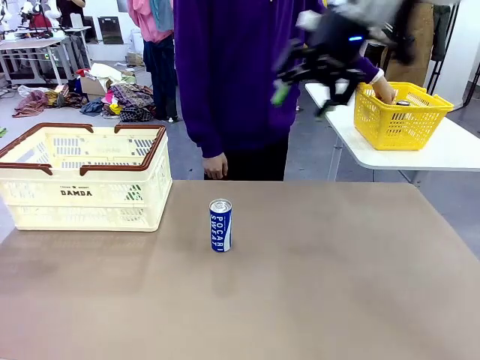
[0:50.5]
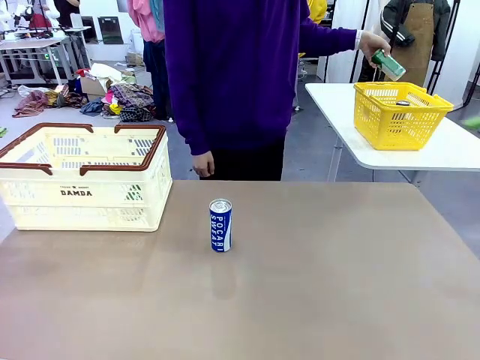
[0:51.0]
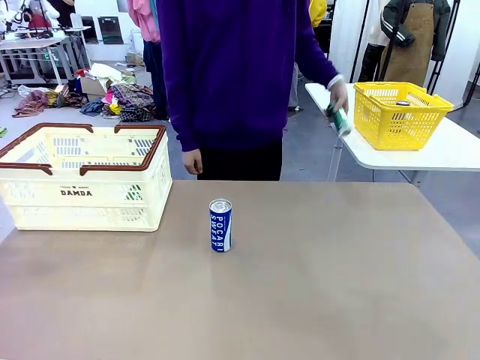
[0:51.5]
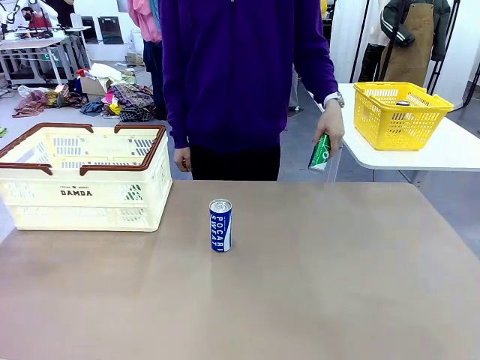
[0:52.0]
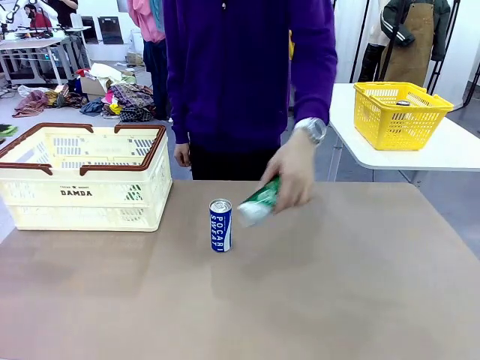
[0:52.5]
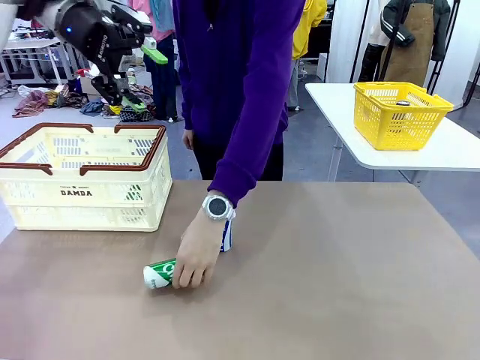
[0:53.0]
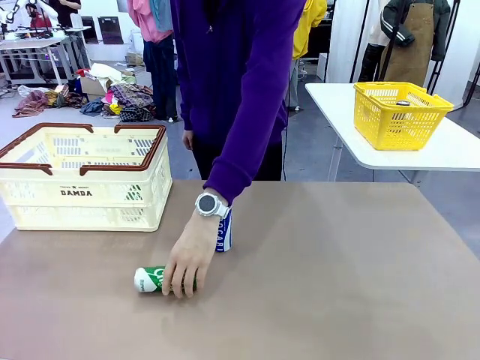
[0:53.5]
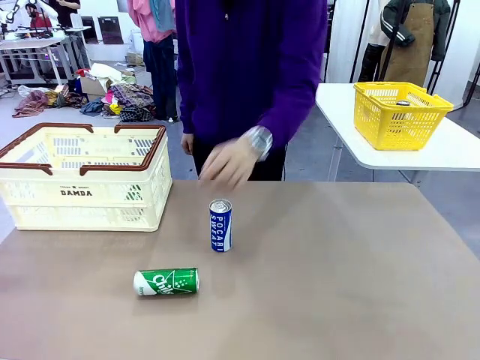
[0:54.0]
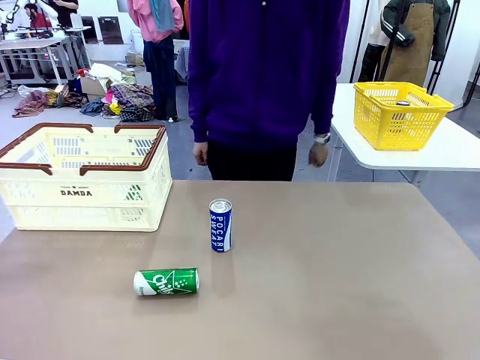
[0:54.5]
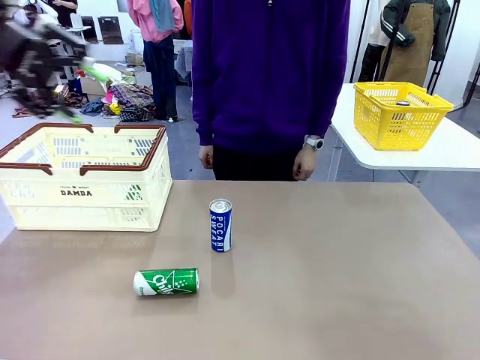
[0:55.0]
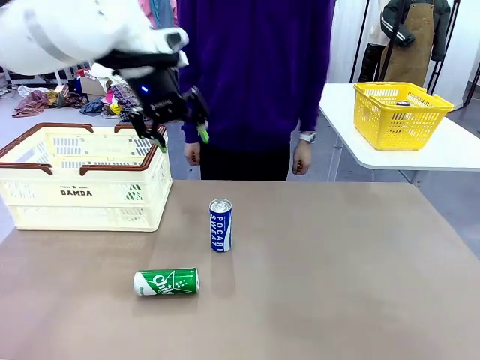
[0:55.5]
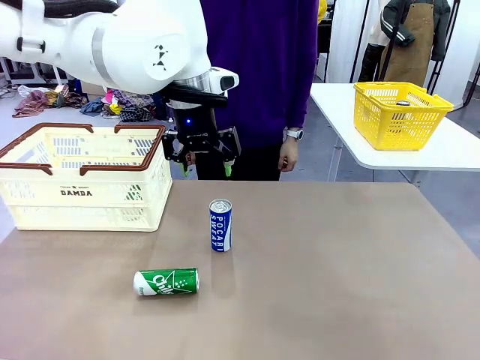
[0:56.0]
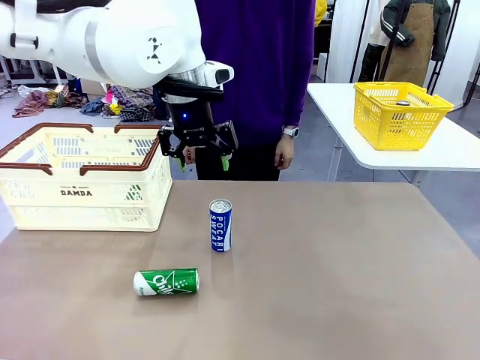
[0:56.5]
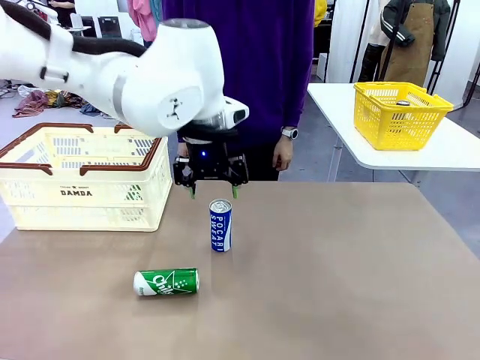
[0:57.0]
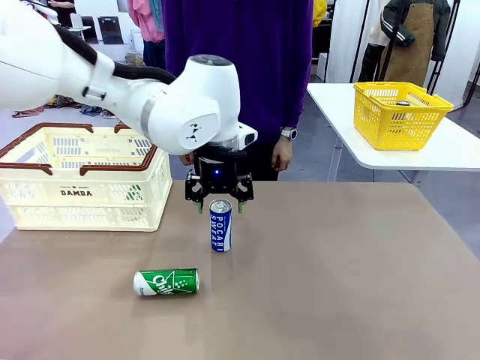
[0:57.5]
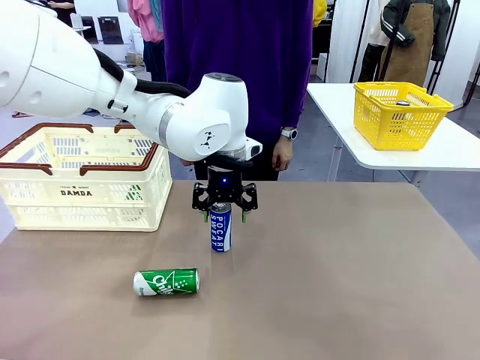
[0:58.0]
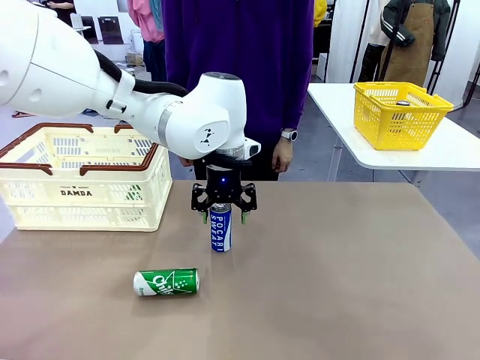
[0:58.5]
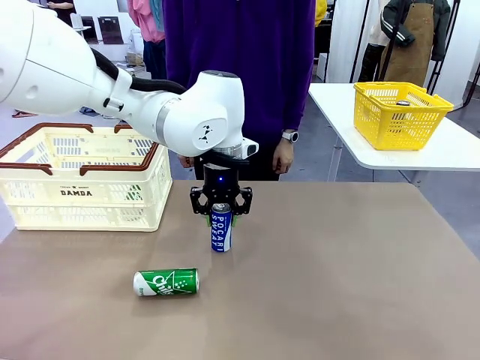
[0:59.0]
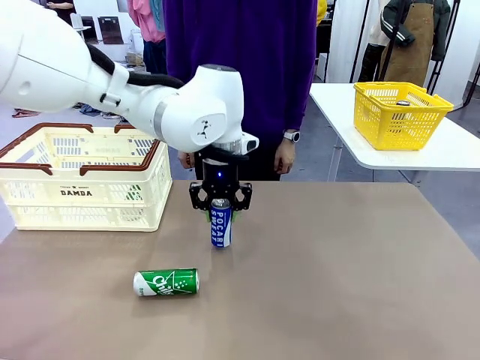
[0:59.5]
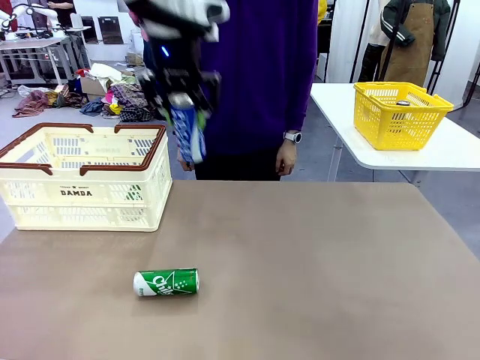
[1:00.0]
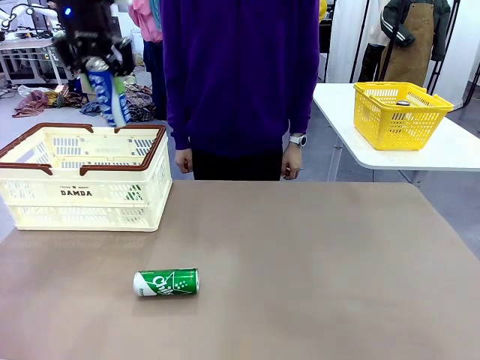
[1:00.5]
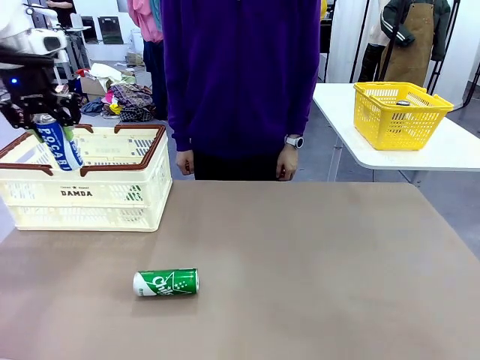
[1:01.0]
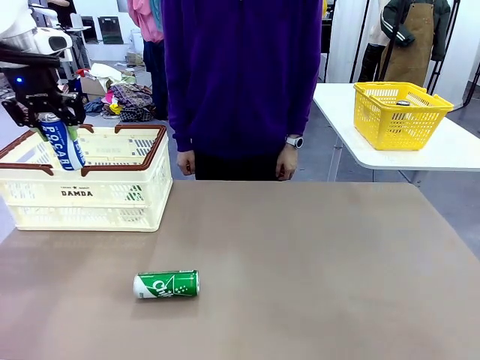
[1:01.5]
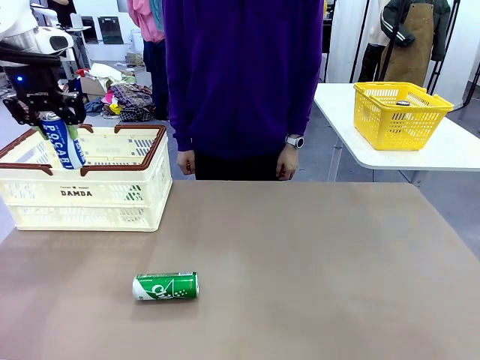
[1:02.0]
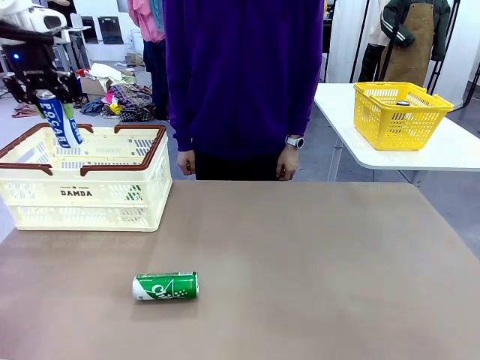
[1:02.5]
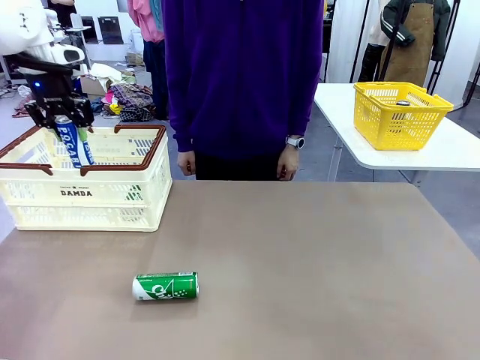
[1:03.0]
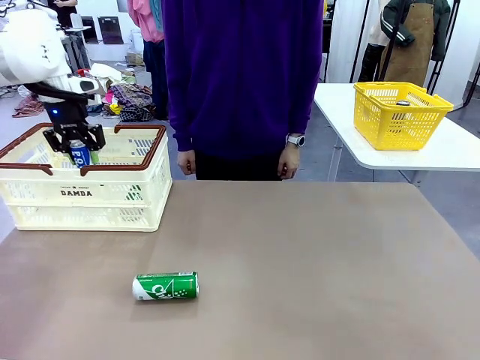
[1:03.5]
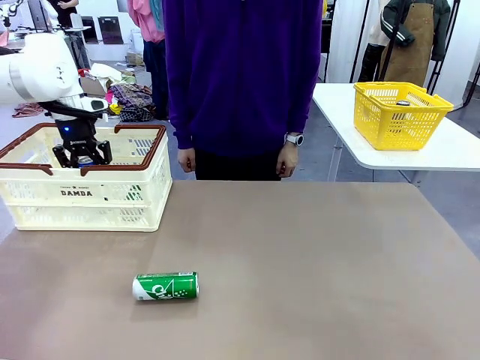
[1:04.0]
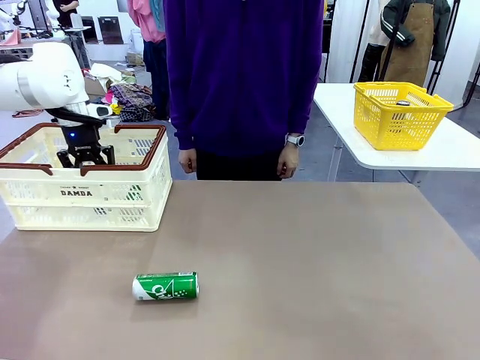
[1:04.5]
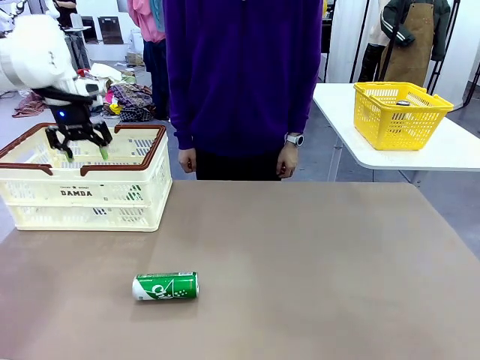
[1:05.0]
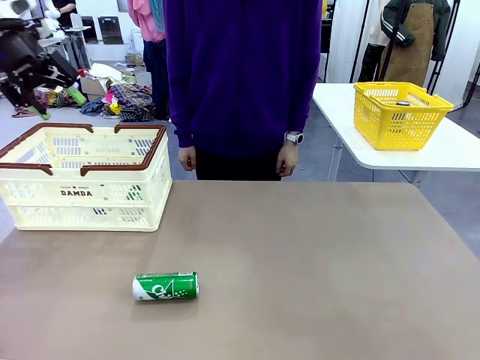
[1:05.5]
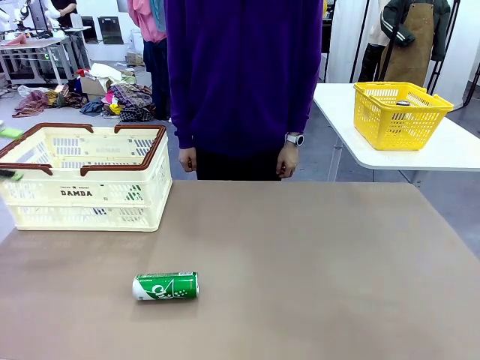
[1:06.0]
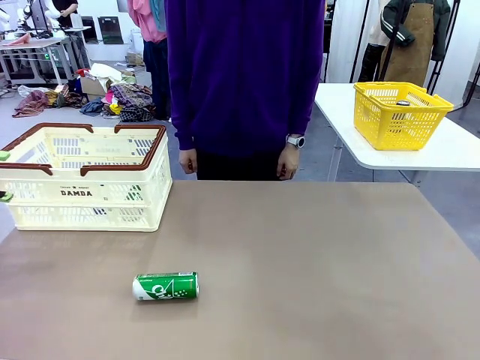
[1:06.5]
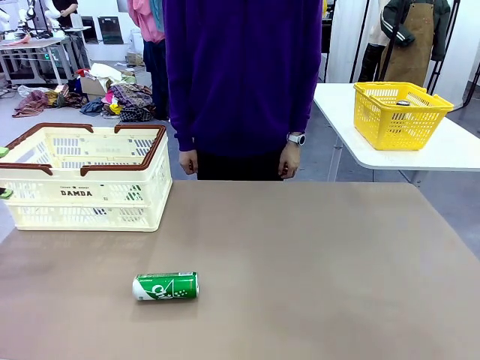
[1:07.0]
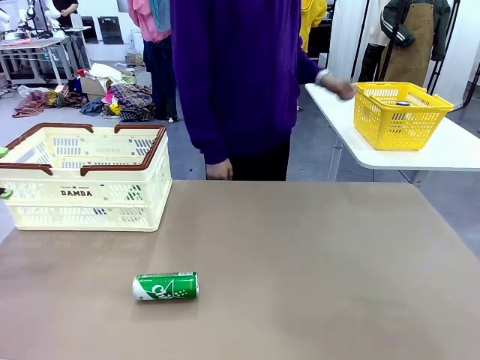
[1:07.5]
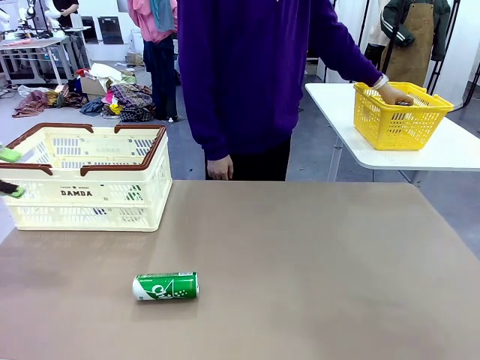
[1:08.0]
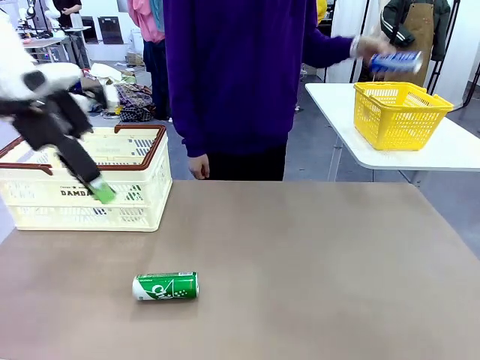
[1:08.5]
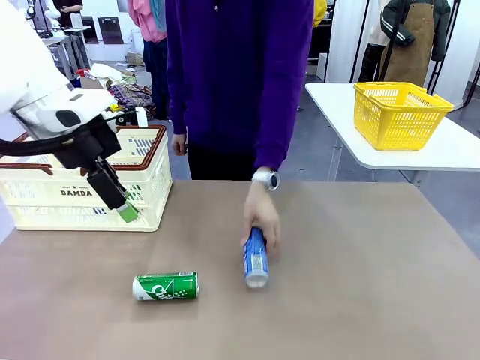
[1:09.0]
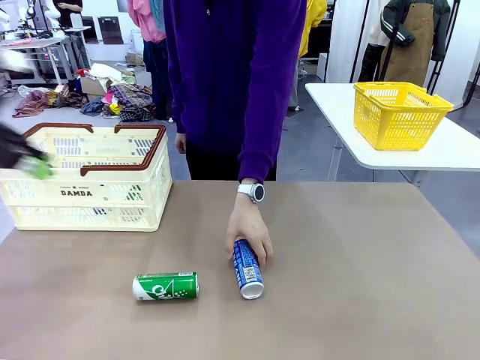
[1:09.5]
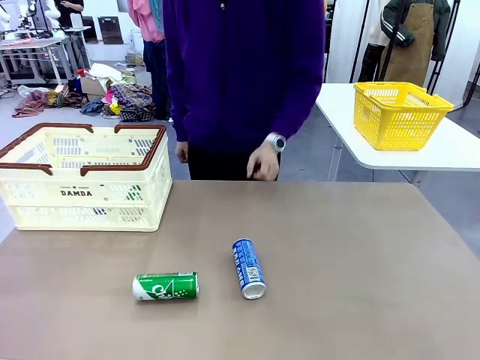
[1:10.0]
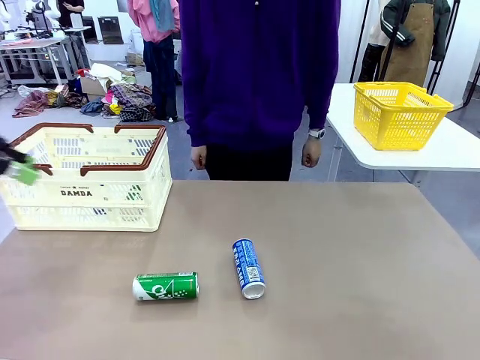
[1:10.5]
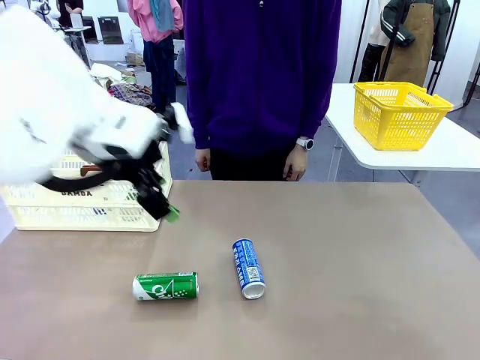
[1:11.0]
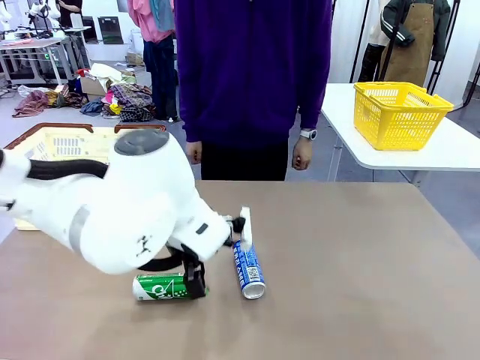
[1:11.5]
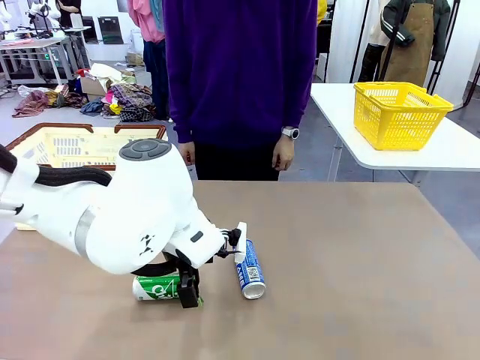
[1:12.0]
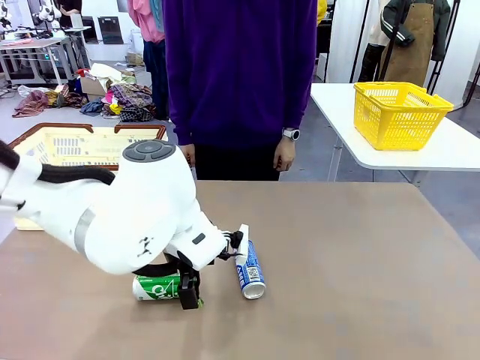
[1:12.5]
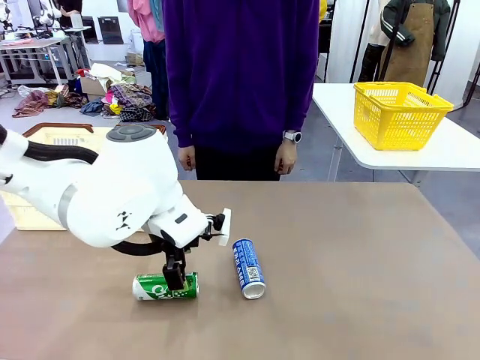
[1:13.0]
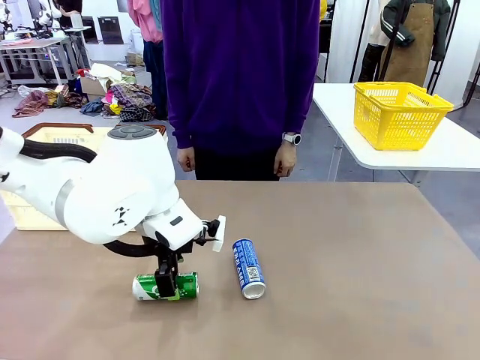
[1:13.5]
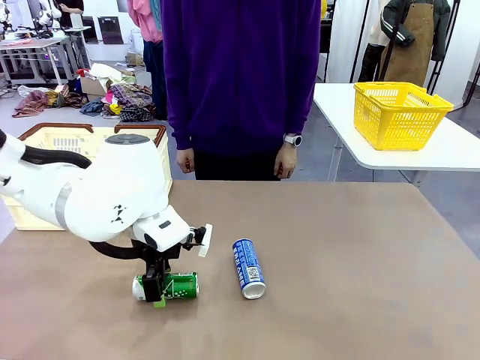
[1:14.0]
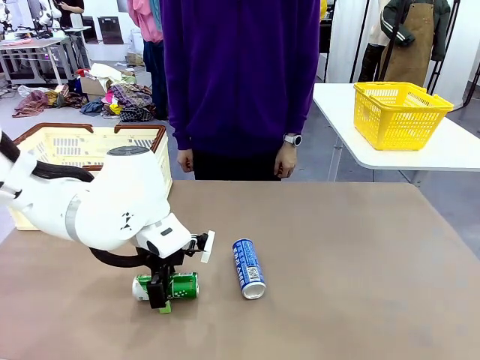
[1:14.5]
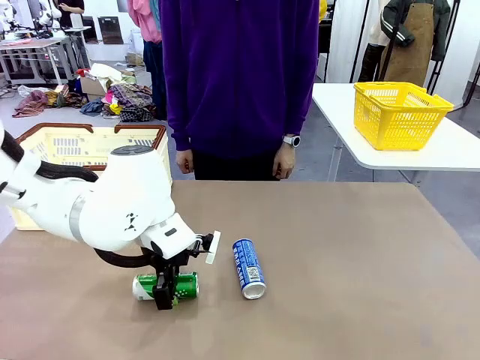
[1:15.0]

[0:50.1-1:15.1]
Task: Place the drinks into the Shopping basket.
Robot: Pick up one drink and place it into the Shopping basket.
